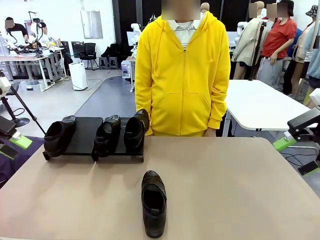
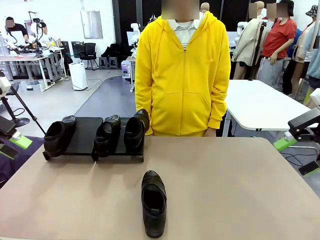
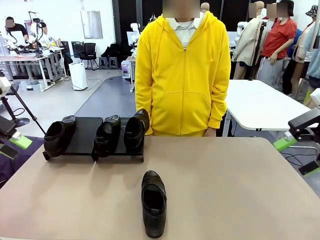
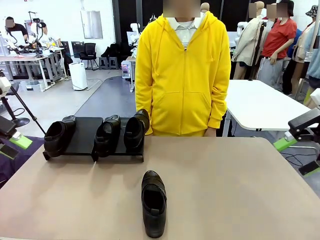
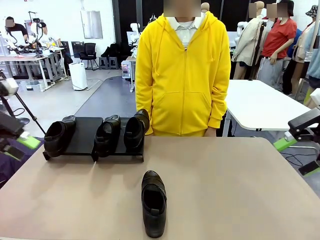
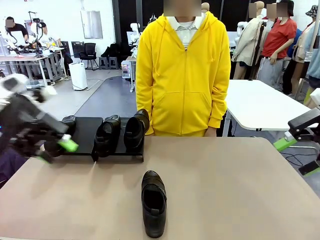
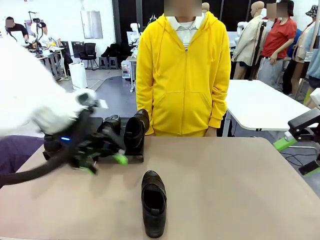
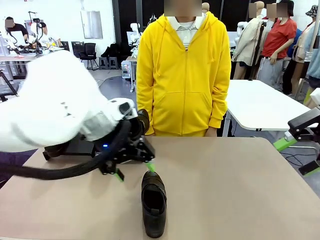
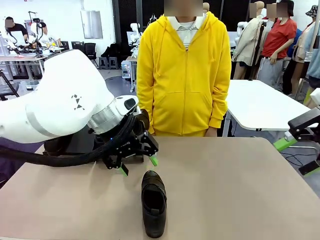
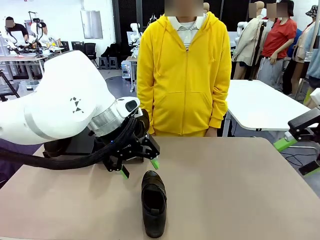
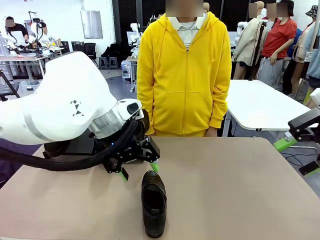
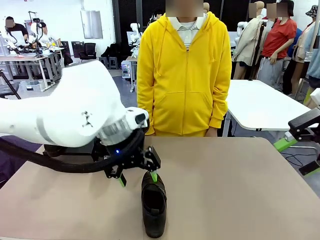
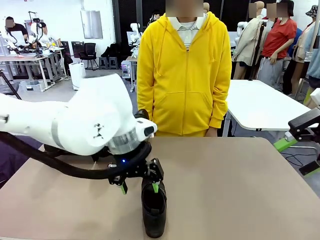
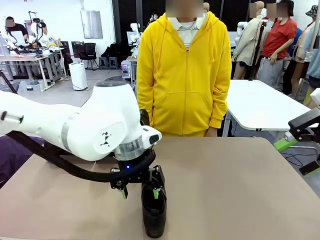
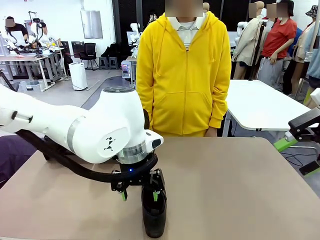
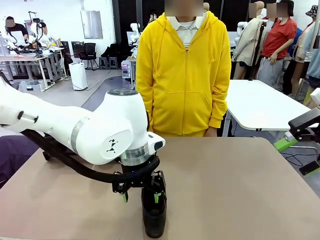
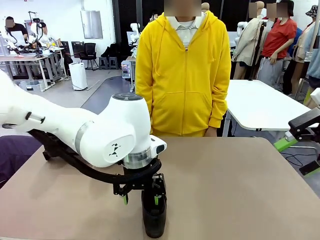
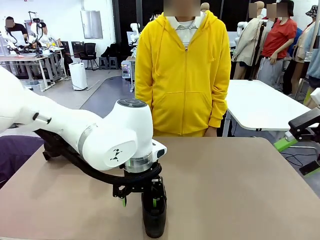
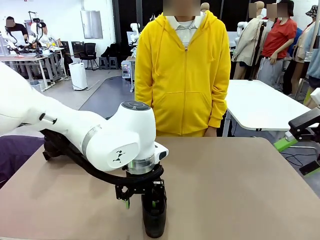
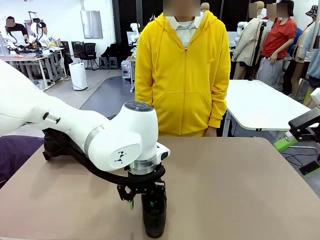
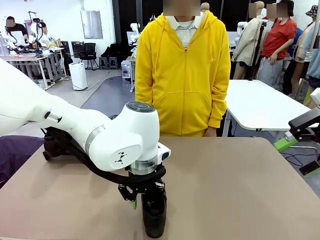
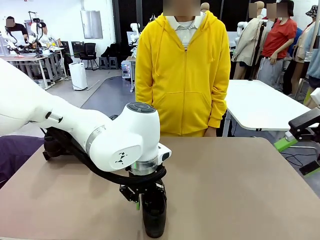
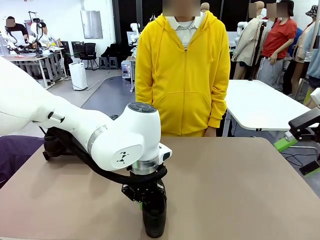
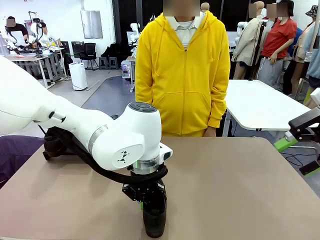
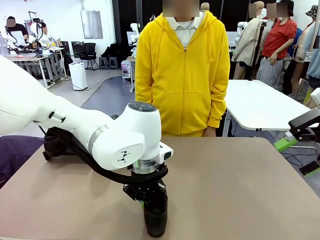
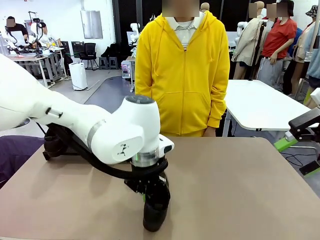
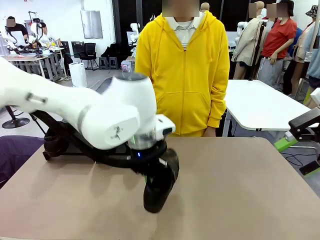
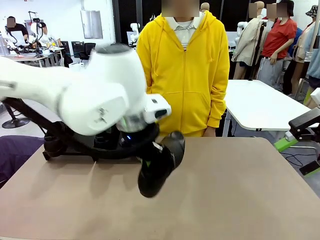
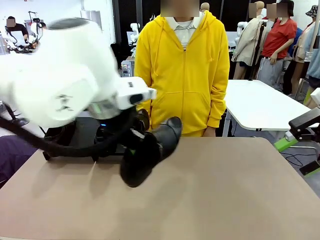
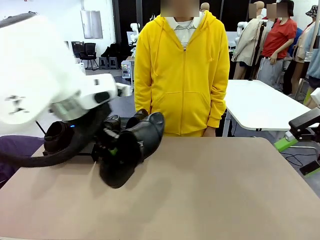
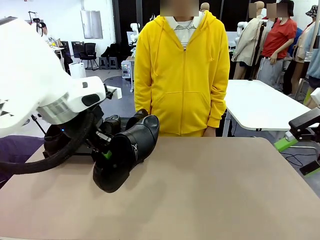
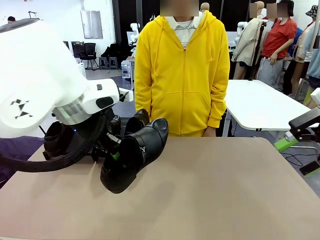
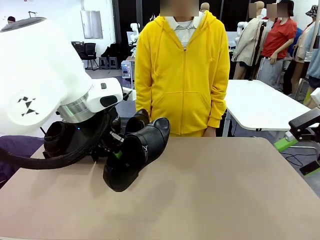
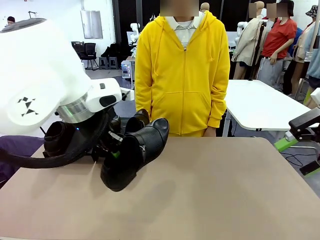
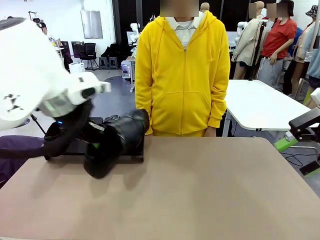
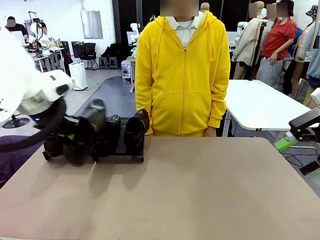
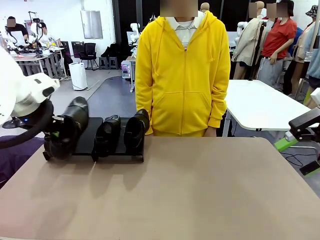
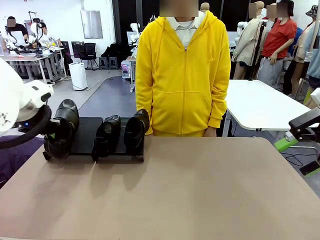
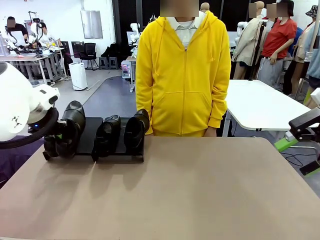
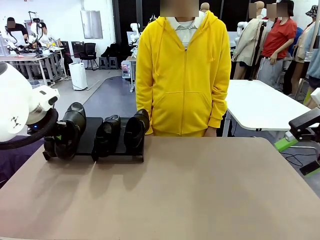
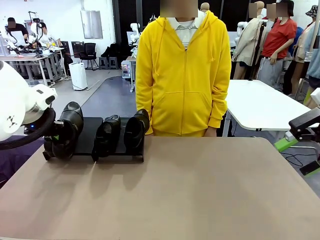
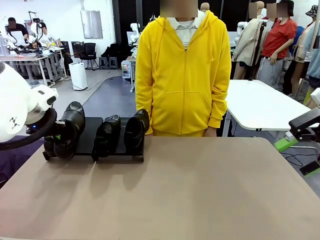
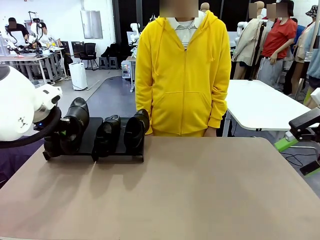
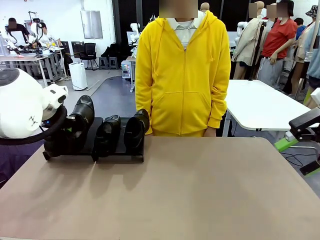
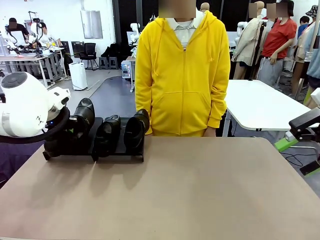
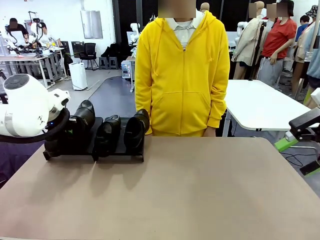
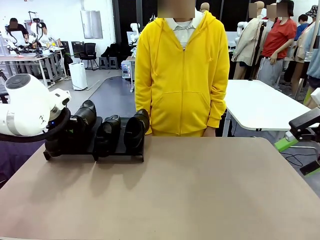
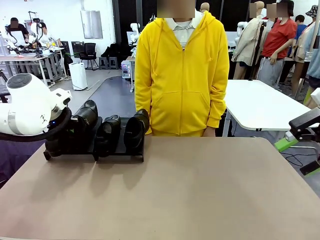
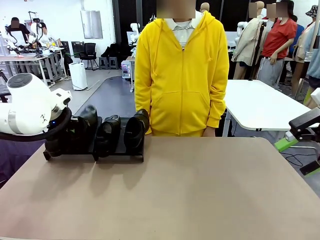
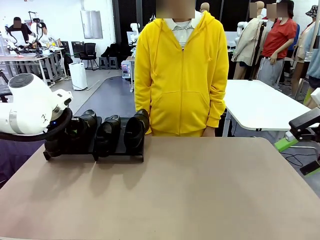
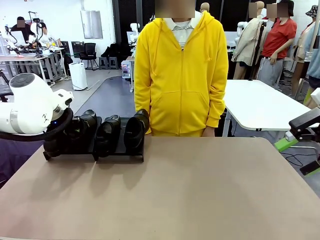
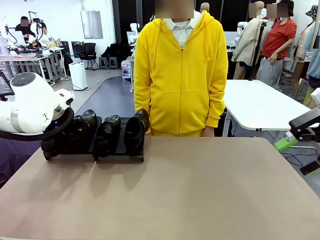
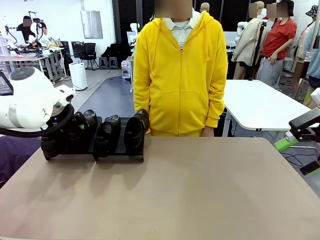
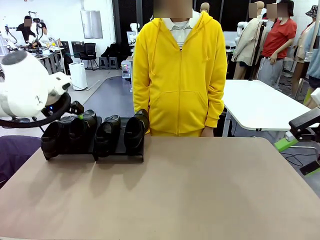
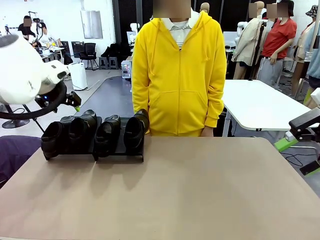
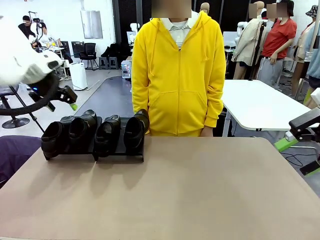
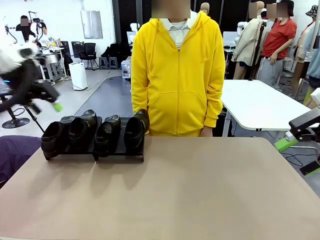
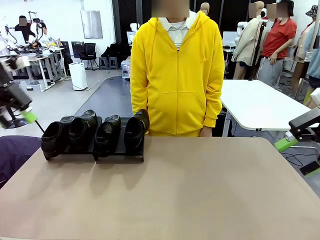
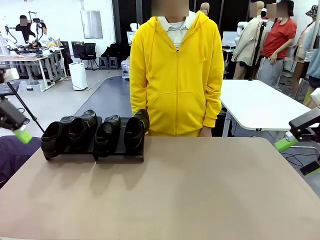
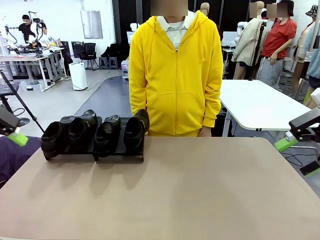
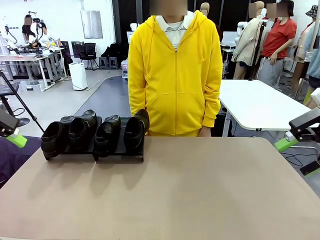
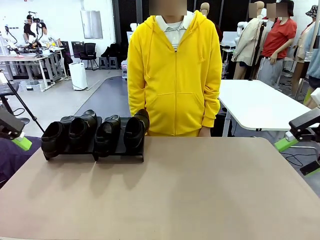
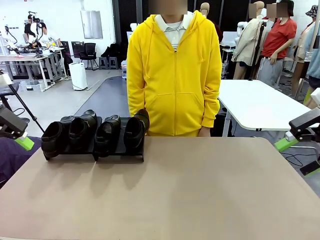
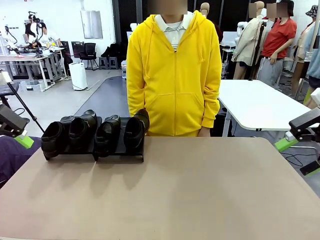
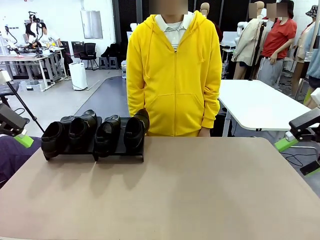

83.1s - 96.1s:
Task: Organize the shoes by placing them on the stand.
Robot: Place the Shoe from the middle of the table onto the Shoes Stand.

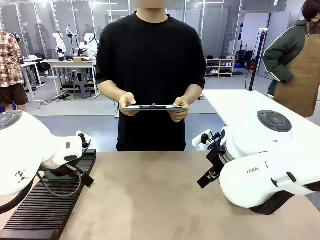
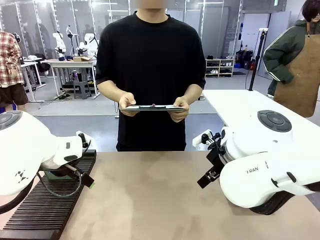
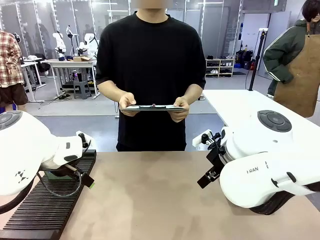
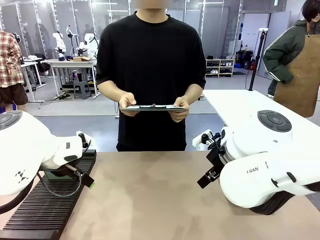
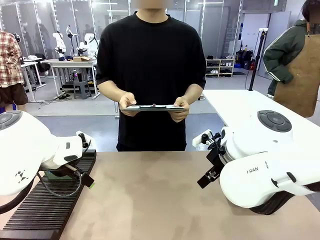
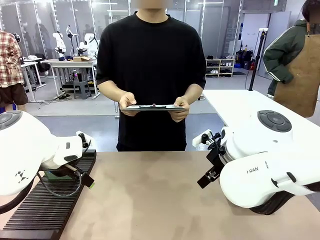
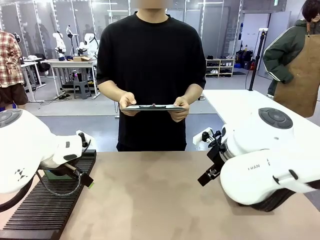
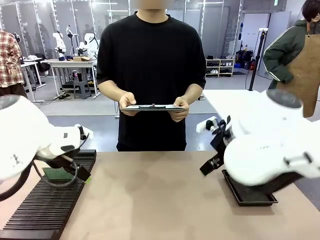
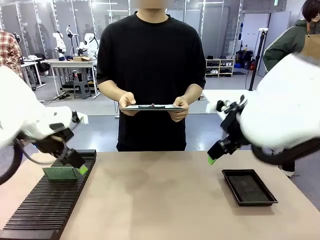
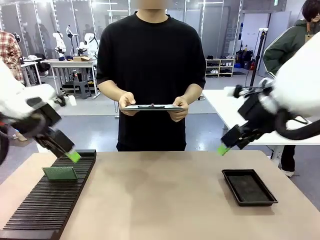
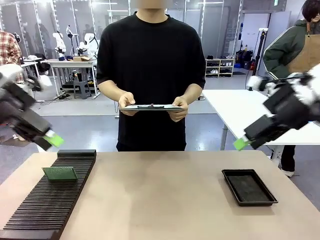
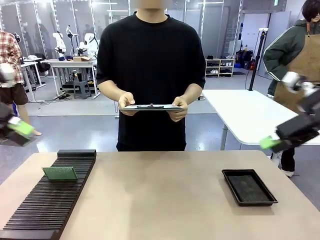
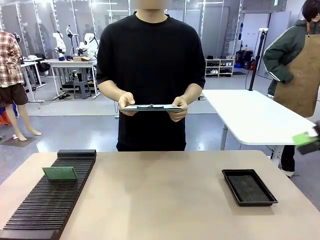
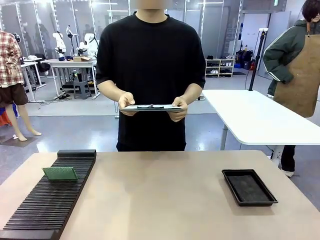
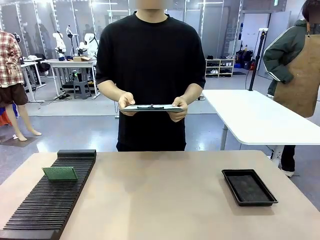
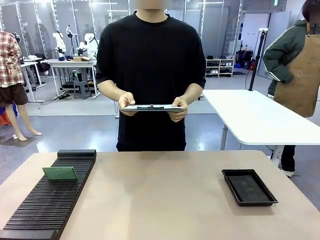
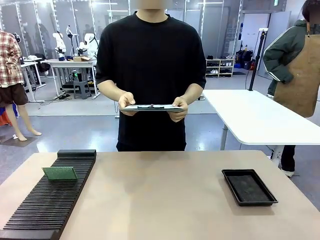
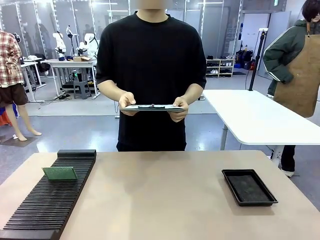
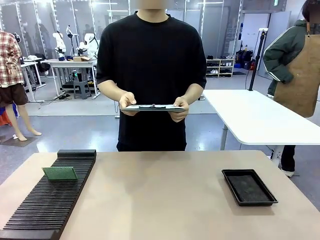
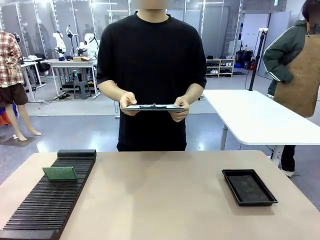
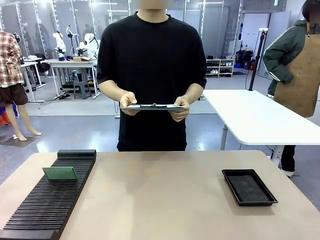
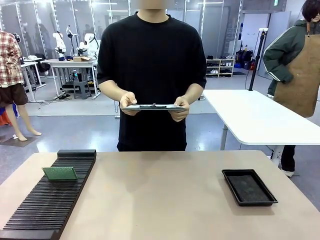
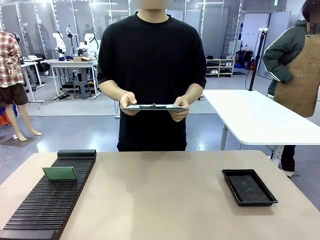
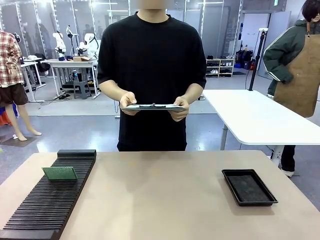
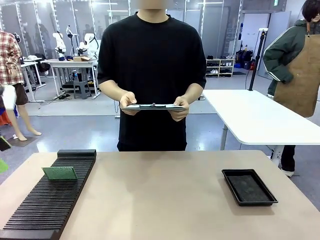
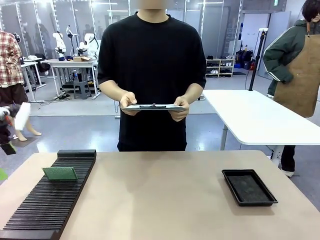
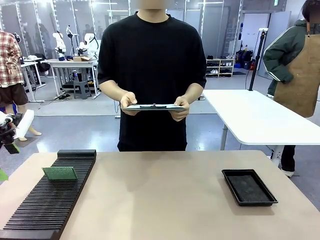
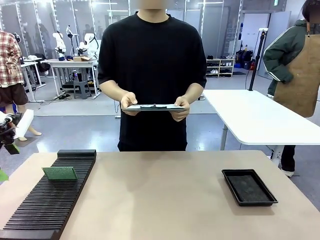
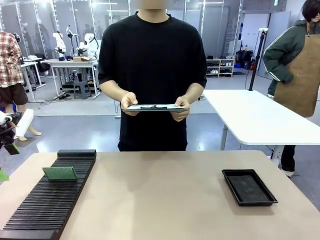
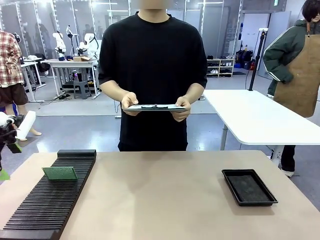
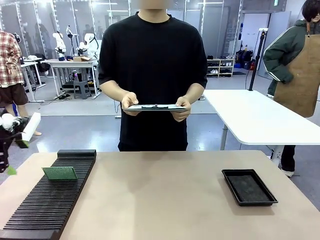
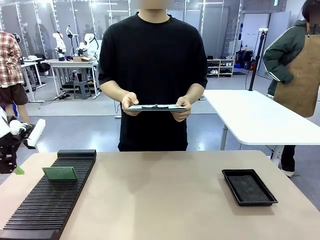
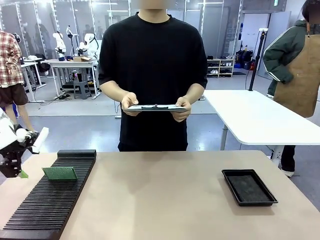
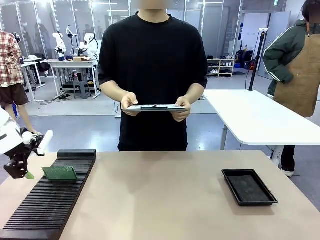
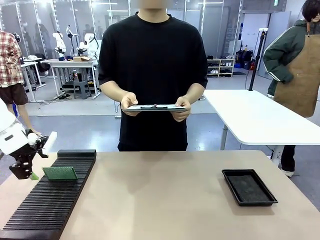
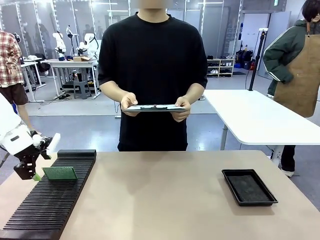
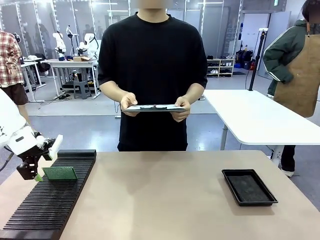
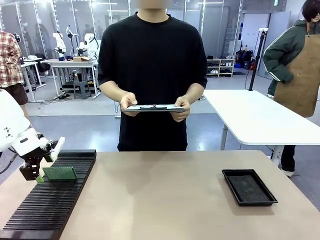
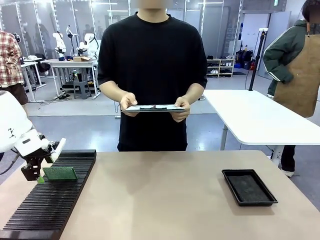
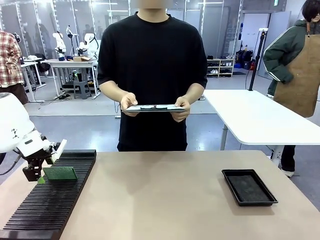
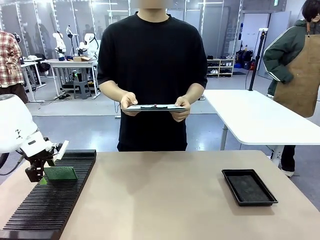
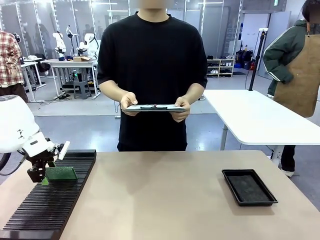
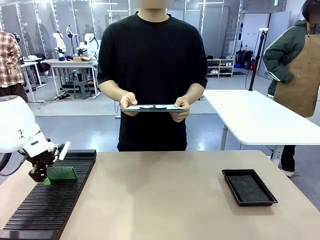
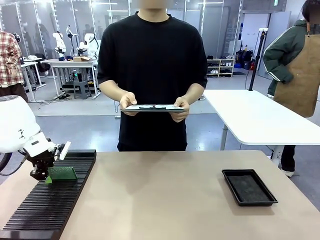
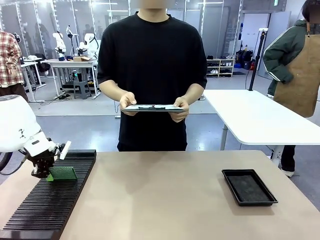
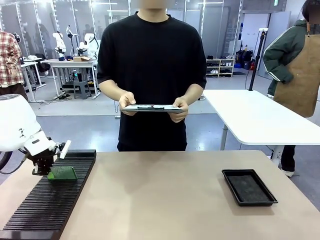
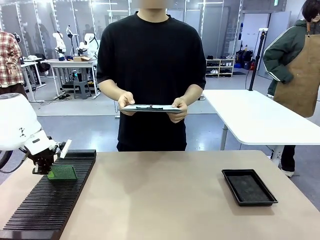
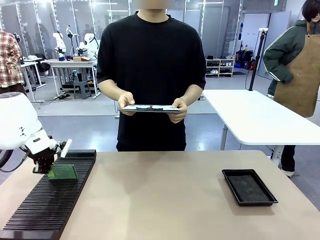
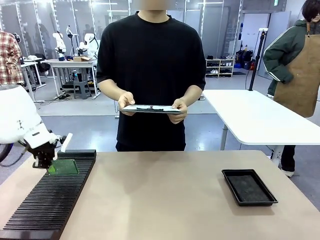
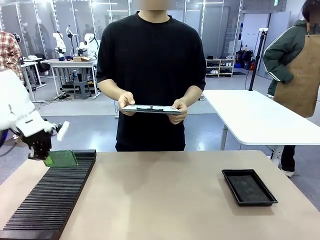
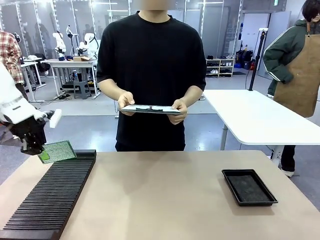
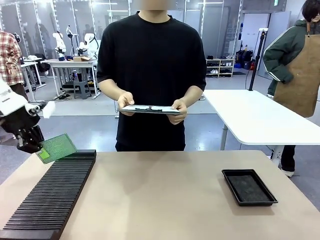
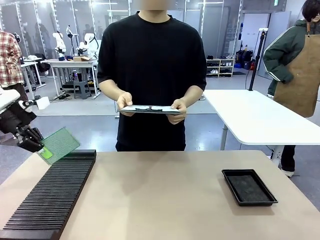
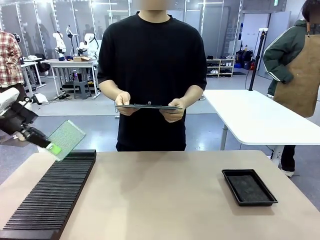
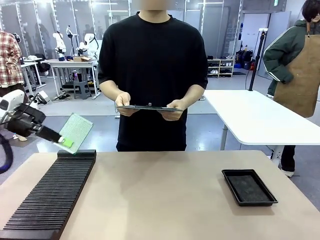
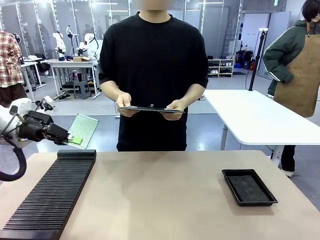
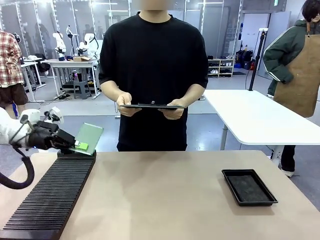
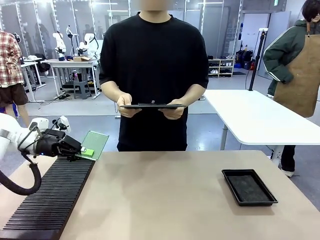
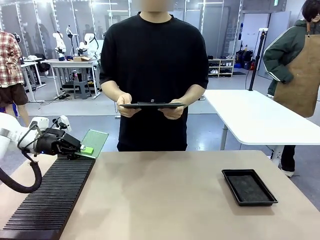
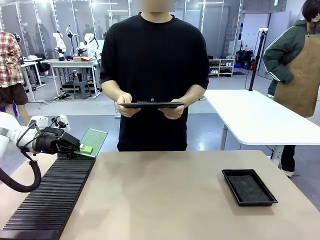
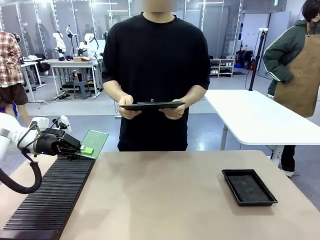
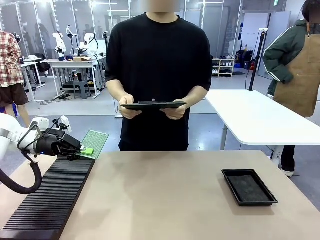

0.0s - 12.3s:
Task: Inspect the PCB.
Robot: Pick up the Blank PCB and present it to the human.
Person: Pick up the PCB presented by the robot.
